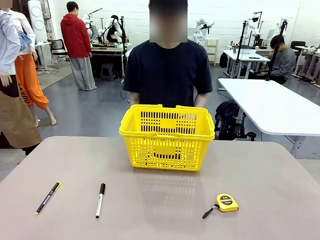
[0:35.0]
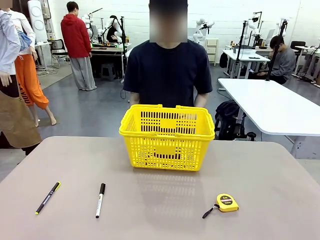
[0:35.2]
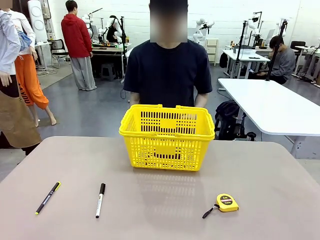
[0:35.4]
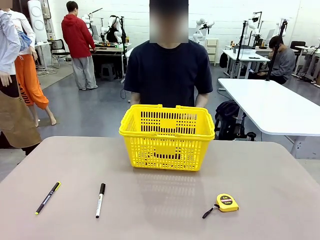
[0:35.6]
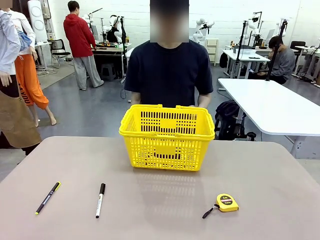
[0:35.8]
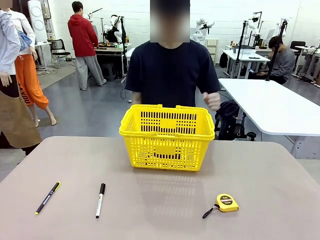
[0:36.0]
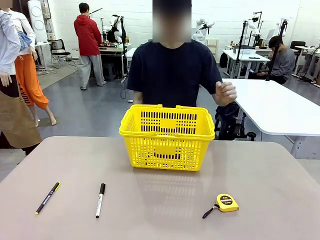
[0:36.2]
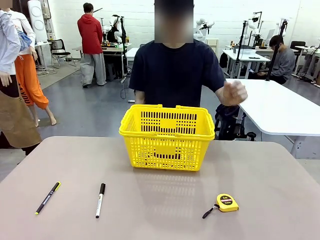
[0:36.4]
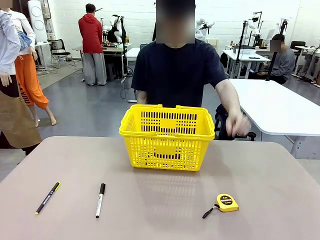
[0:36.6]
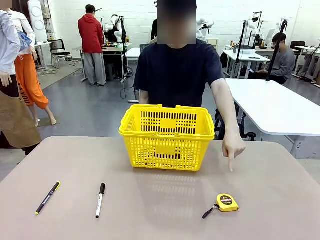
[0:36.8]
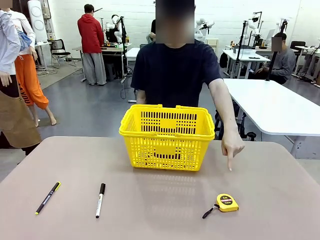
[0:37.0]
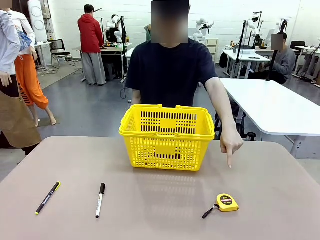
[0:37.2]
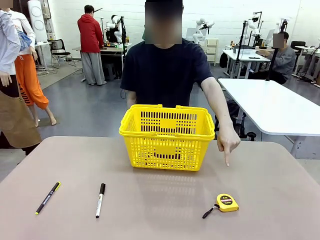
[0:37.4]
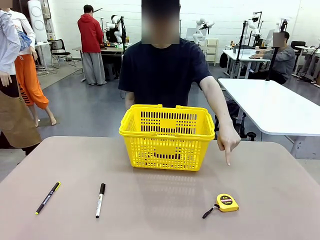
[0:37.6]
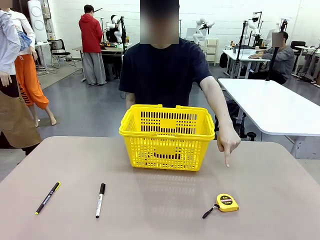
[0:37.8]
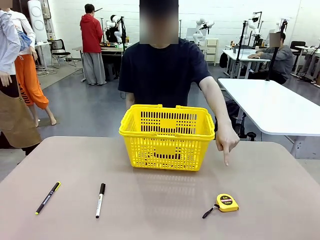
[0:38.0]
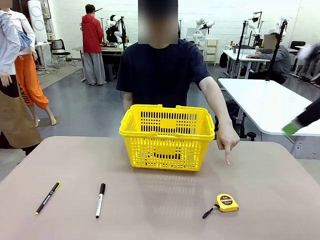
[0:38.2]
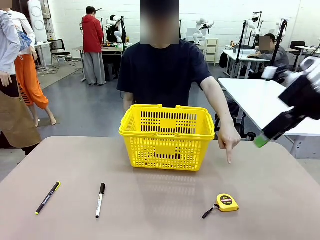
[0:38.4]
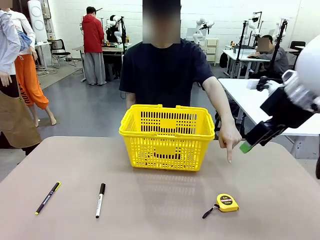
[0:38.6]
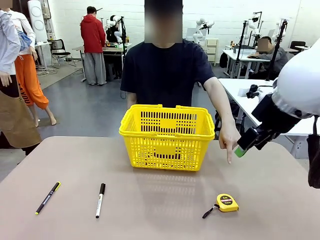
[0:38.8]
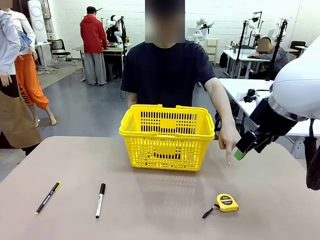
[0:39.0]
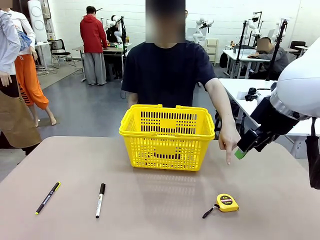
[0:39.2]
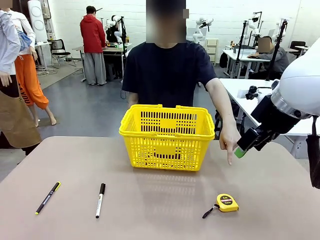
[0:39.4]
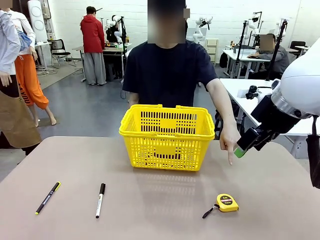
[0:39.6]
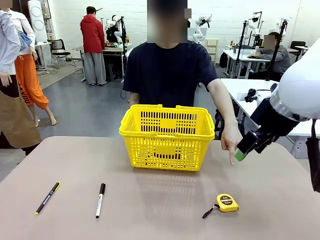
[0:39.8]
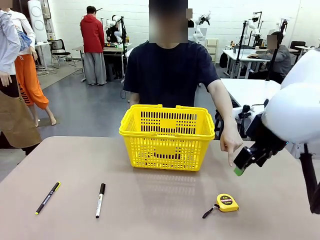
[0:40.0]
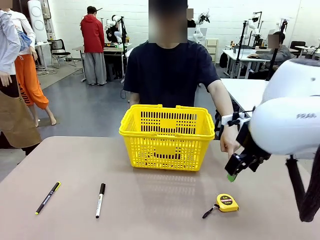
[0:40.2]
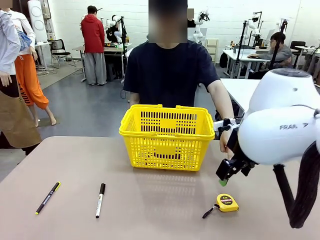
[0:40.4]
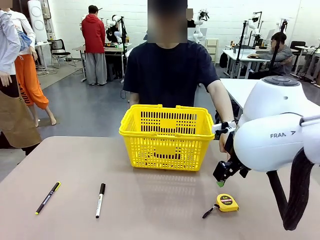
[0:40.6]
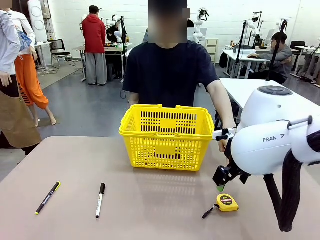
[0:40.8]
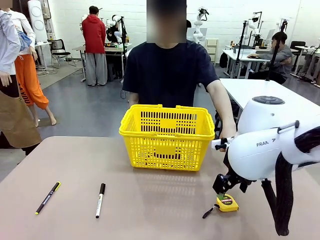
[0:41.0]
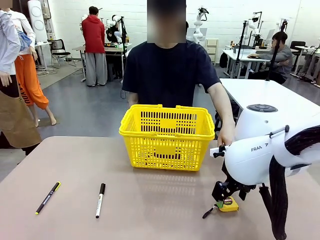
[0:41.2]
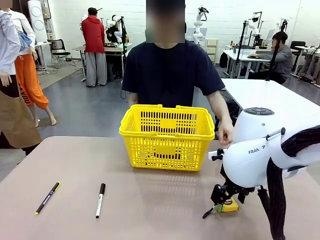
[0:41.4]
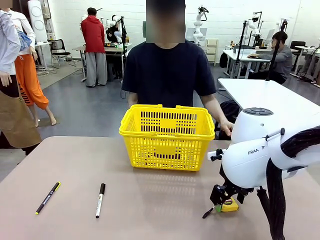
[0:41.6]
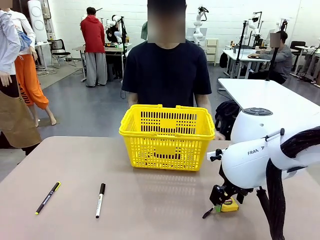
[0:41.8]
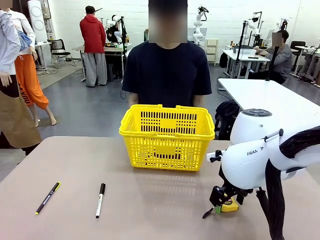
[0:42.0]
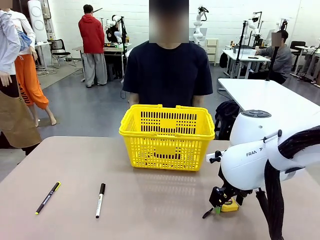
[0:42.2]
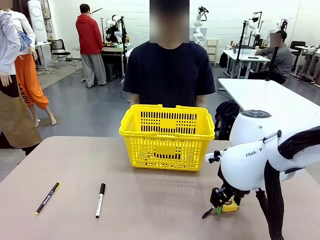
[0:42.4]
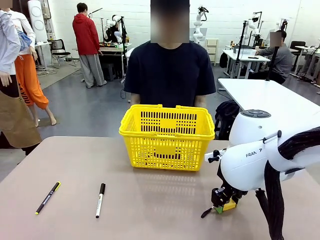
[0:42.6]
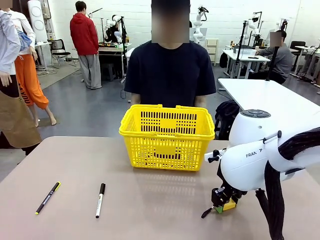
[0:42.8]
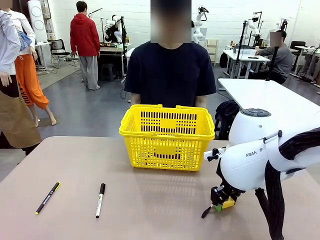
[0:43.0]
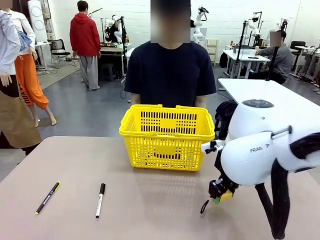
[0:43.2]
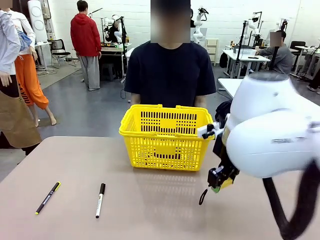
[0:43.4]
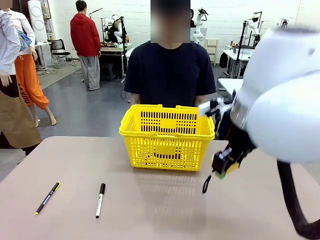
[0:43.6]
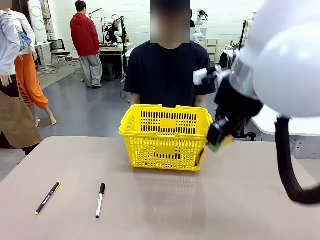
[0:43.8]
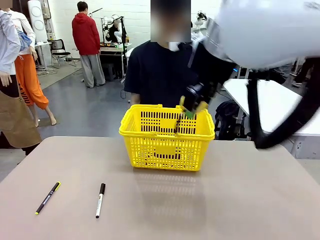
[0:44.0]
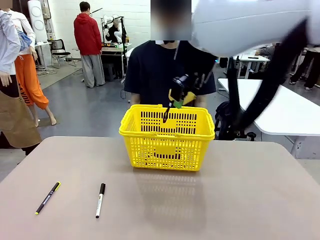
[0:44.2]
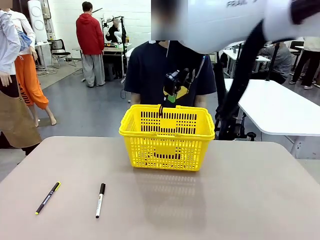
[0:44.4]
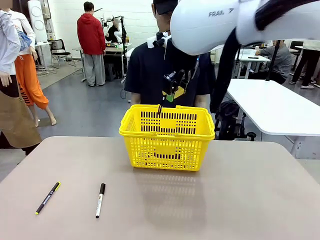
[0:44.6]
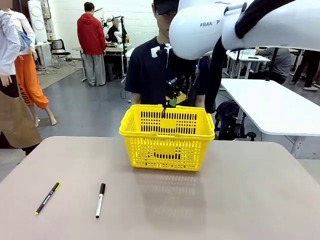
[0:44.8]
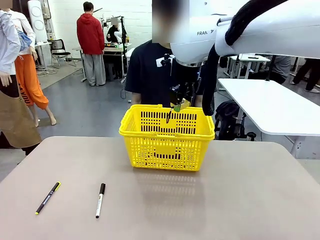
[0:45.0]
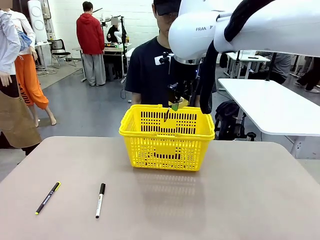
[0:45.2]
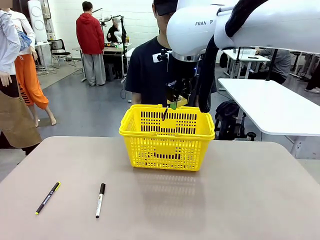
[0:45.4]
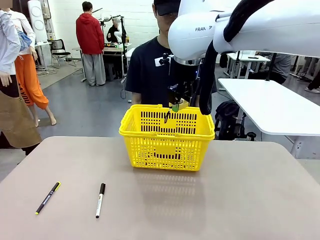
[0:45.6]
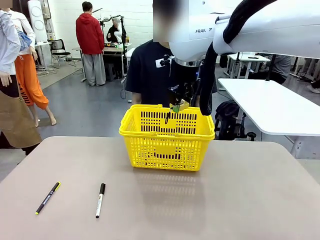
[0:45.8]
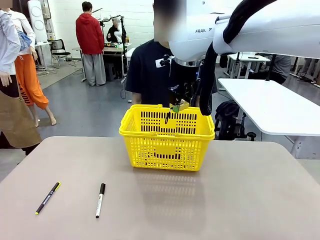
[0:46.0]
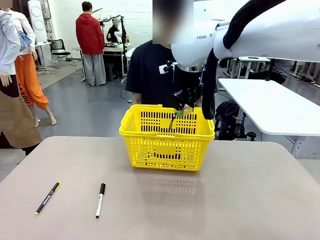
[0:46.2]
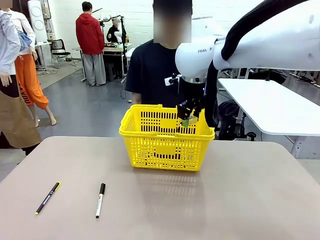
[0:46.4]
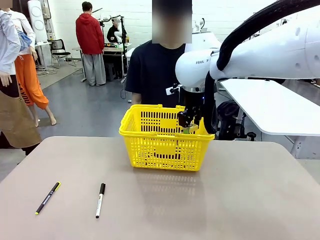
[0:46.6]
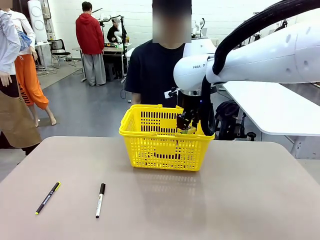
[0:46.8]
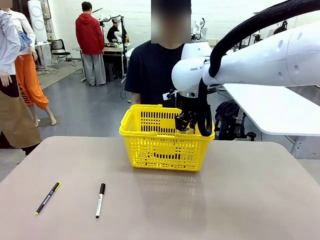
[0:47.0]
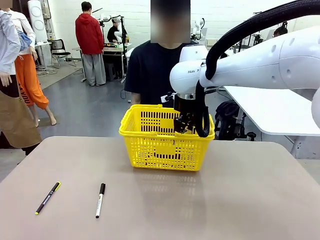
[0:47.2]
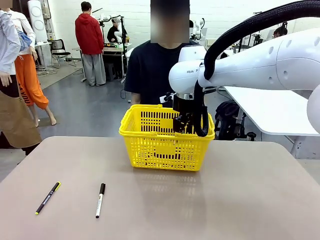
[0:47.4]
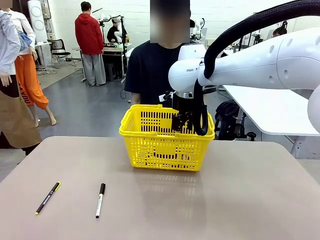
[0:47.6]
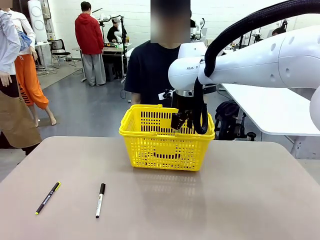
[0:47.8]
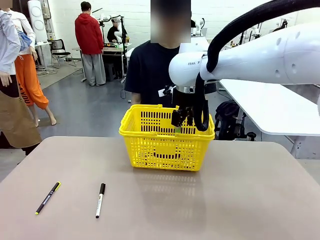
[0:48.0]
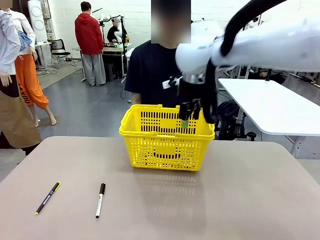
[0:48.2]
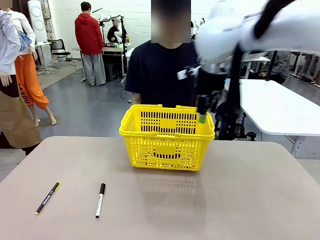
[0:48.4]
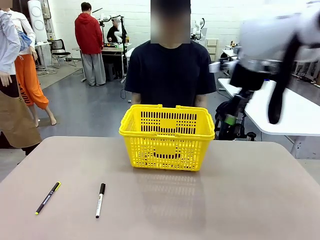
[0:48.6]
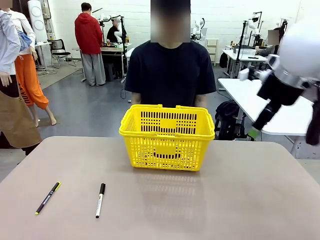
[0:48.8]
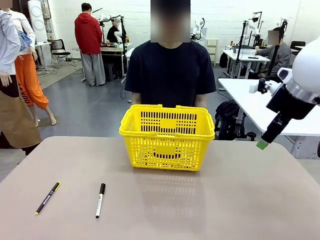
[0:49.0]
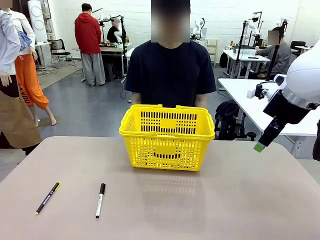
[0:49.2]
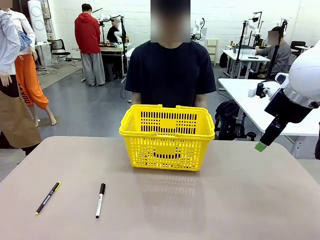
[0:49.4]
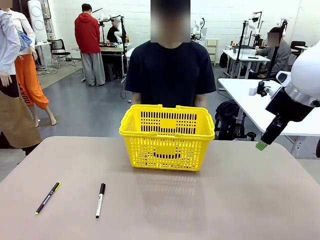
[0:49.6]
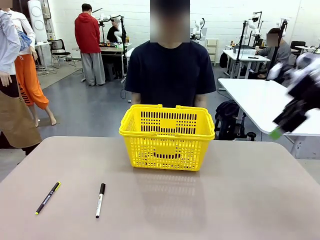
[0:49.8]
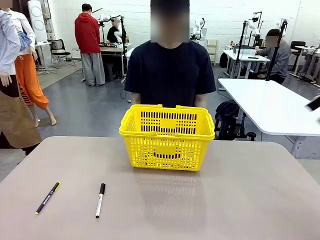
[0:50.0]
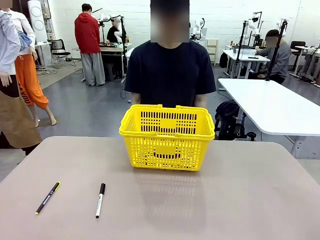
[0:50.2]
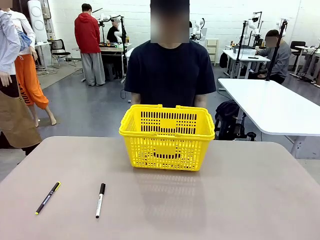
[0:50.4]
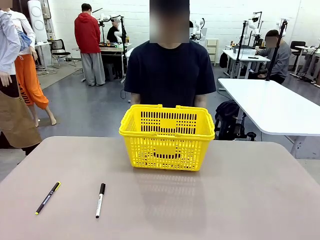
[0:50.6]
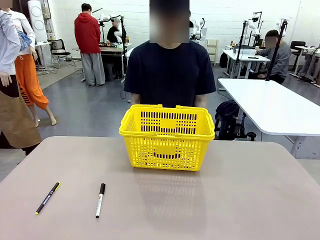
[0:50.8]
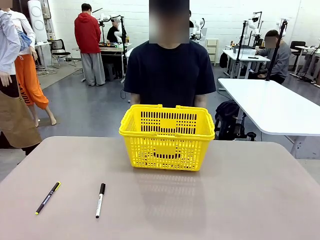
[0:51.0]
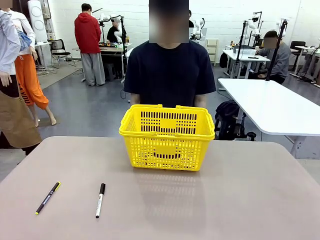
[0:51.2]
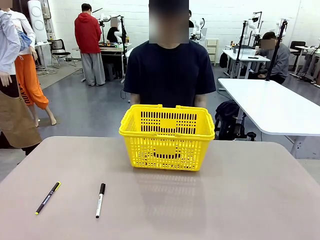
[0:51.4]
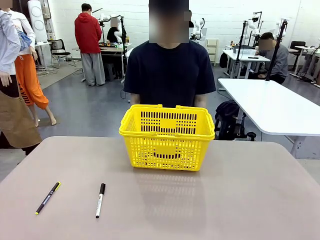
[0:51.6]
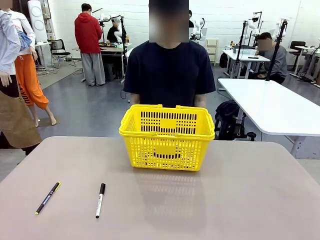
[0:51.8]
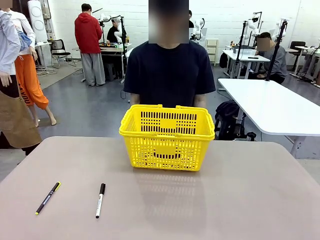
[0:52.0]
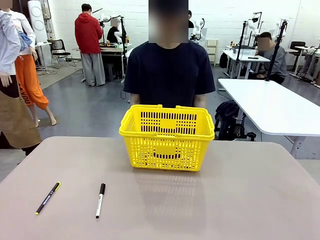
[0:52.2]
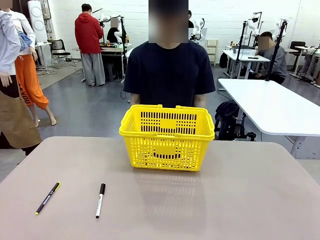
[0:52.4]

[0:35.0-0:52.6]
Task: Place the items the person wants into the basket.
Robot: Pick up the item the person points to and place it in the Market Basket.

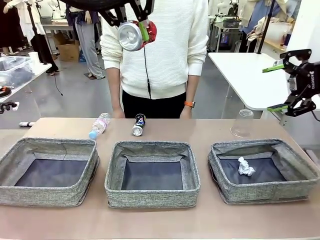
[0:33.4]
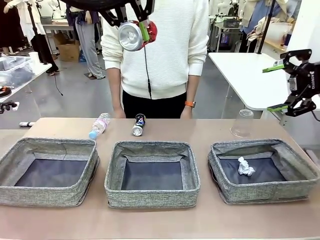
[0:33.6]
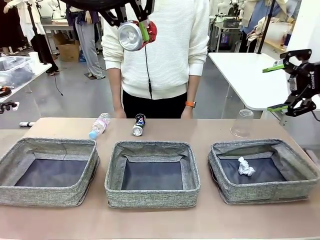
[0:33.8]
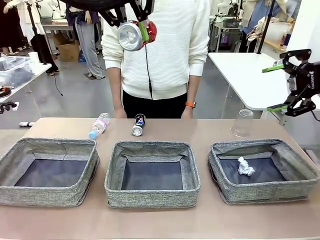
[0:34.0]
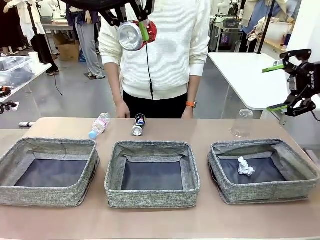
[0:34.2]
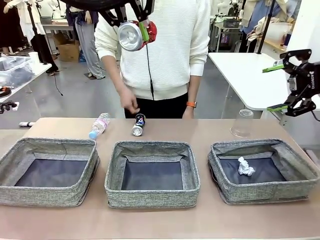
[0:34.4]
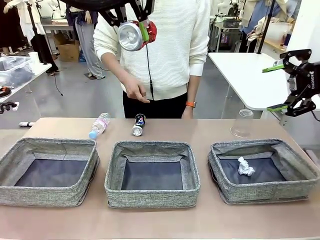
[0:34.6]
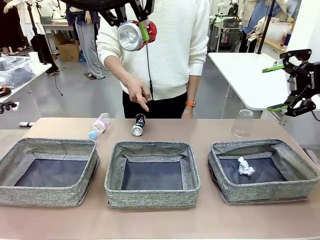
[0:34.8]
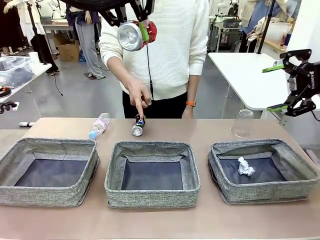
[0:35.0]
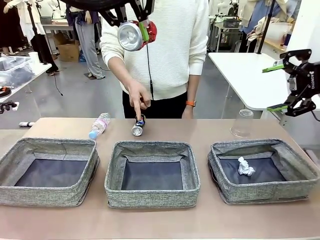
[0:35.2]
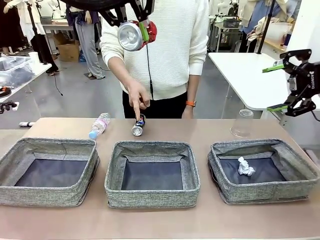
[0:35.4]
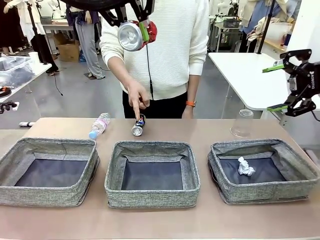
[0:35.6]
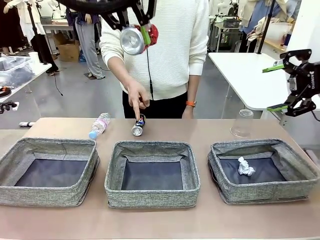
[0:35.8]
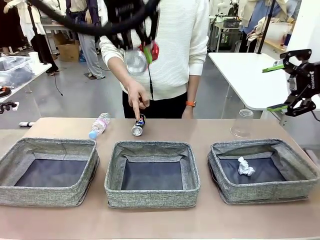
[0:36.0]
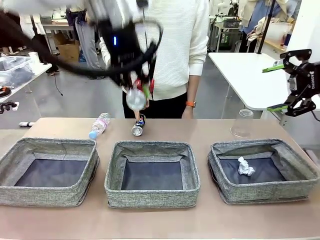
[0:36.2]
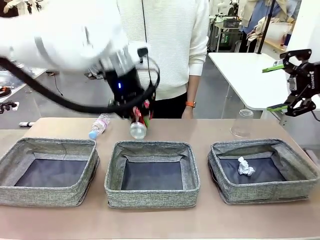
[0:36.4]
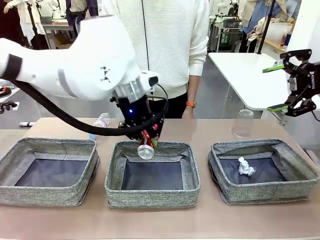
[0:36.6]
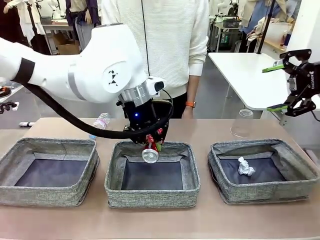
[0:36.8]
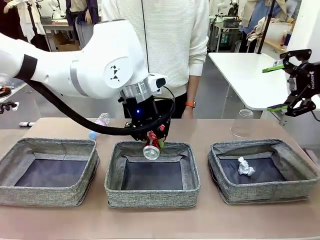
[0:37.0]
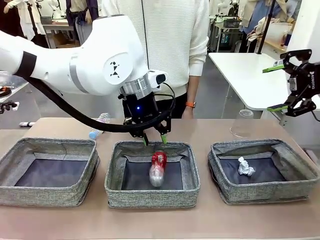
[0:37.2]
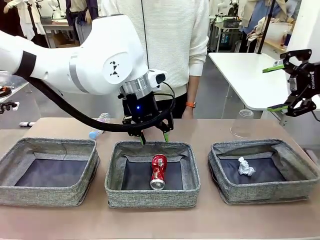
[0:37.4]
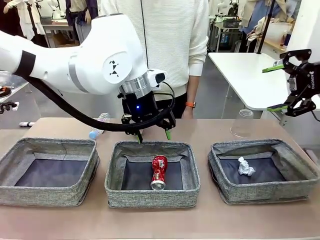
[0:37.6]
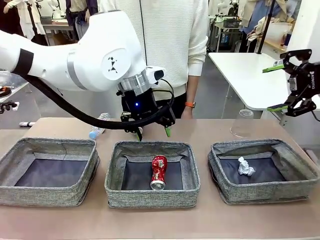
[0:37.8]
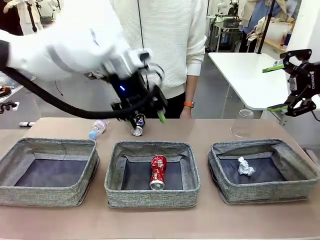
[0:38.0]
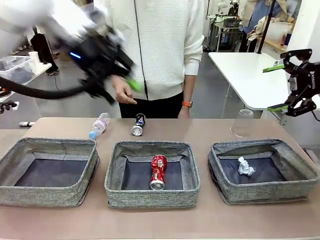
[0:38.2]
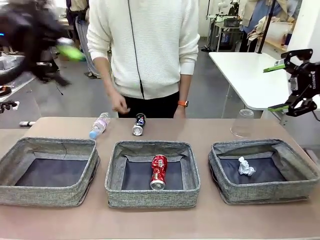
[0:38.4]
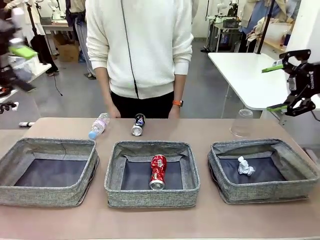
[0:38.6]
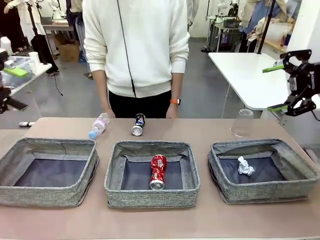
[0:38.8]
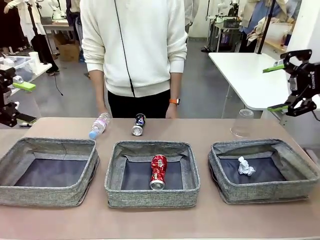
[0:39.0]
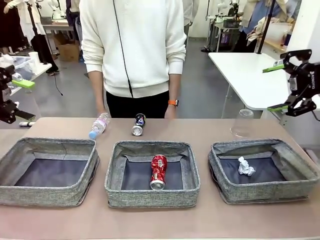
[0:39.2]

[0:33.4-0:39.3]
Task: Sort the waste into the appropriate baskets.
Robot: Place the picked waste into the Fabric basket indicated by the person.
Person: Instructs the robot to place the picked-up trash into the appropriate organizing basket.
